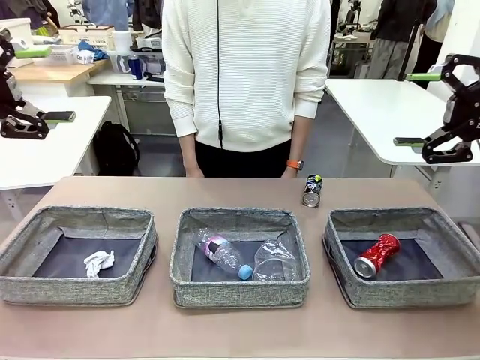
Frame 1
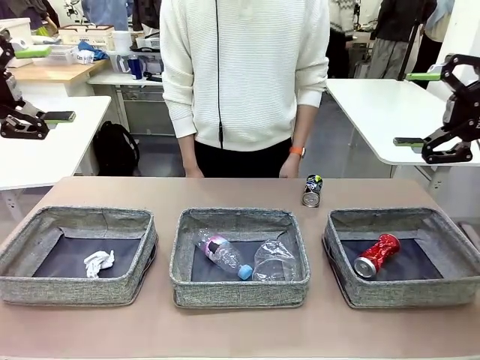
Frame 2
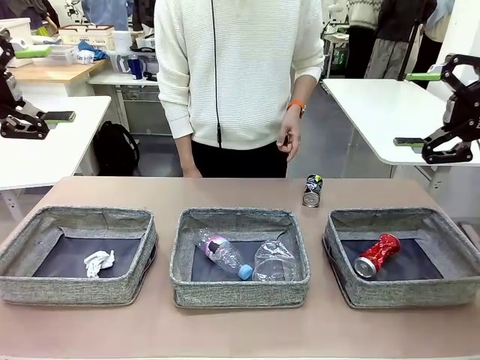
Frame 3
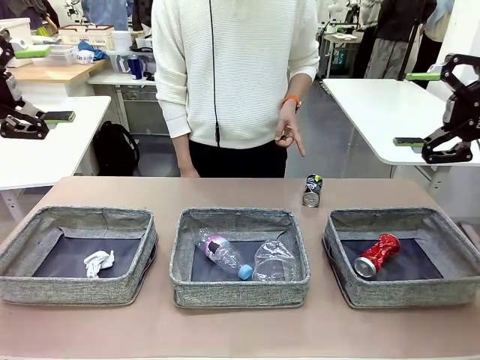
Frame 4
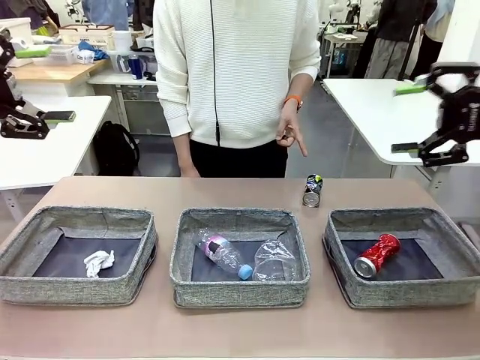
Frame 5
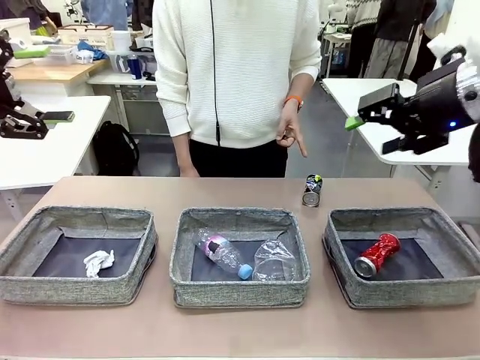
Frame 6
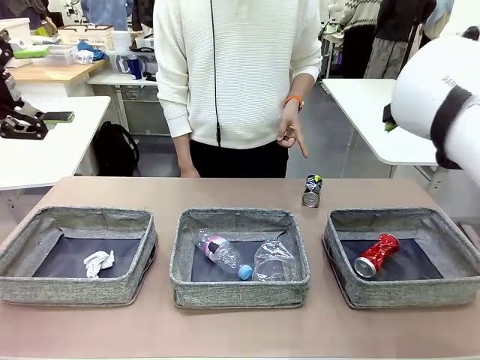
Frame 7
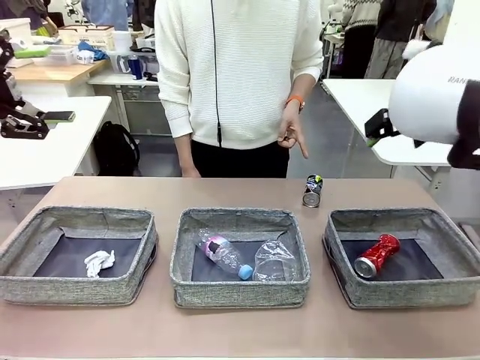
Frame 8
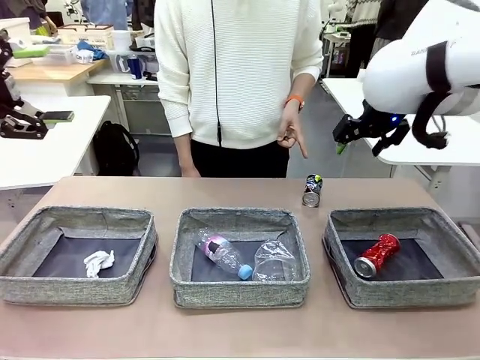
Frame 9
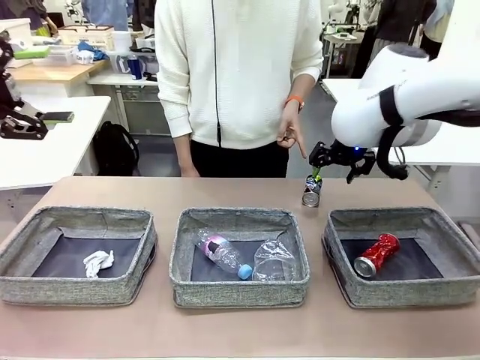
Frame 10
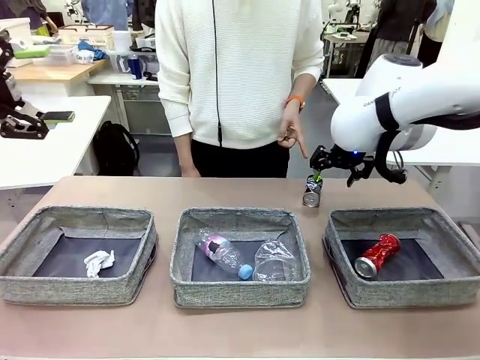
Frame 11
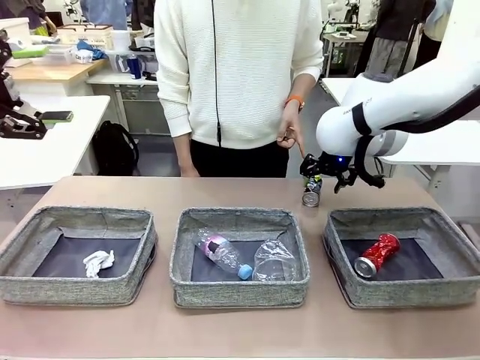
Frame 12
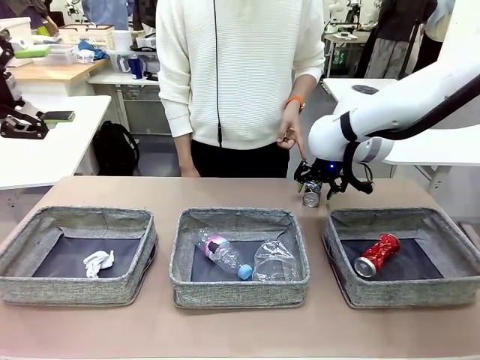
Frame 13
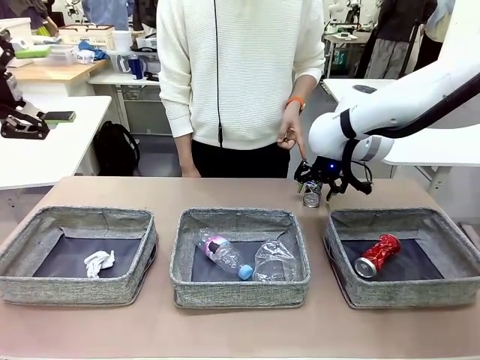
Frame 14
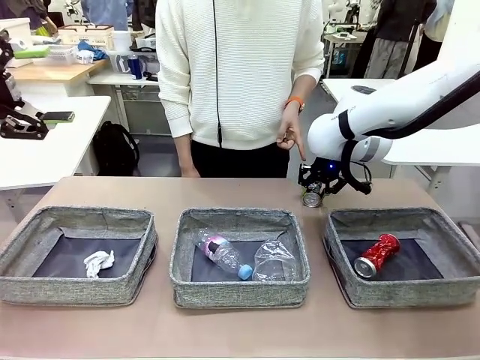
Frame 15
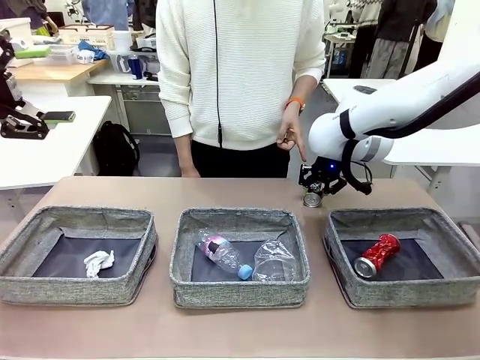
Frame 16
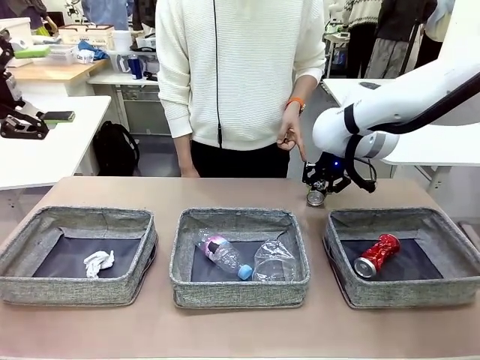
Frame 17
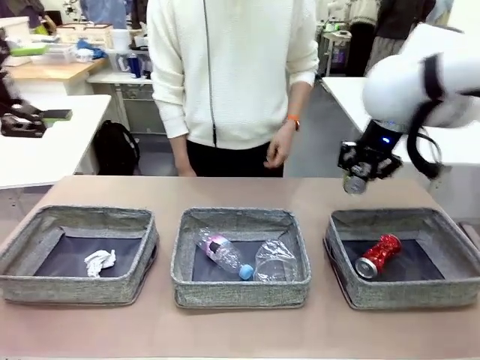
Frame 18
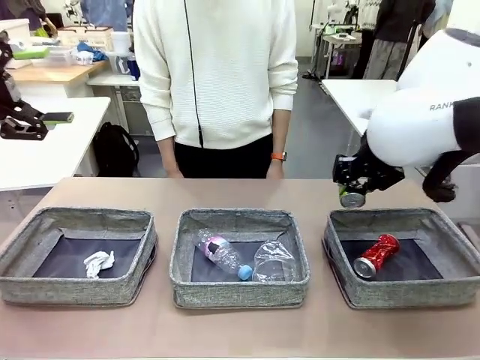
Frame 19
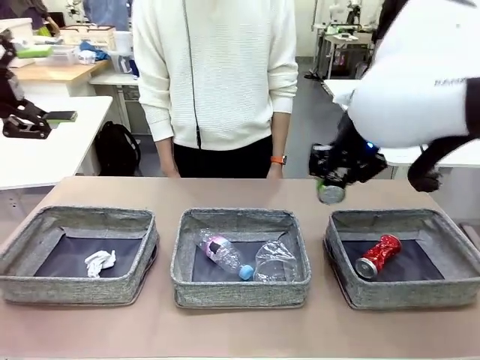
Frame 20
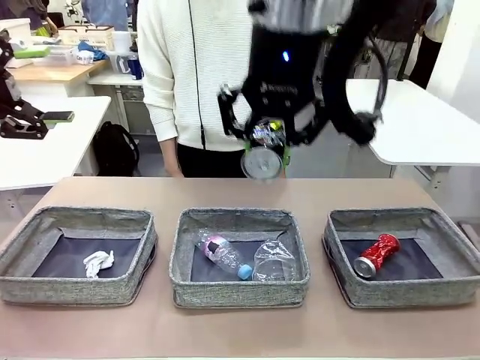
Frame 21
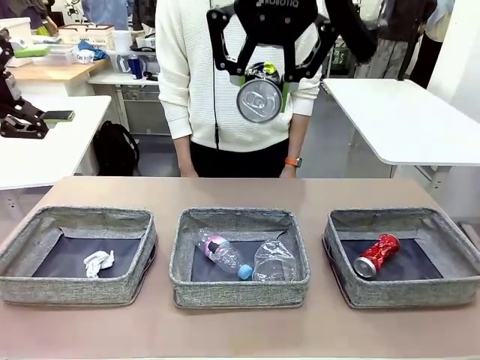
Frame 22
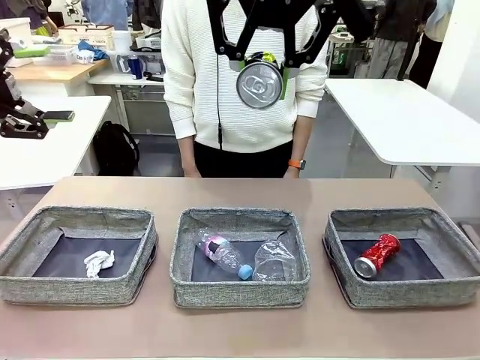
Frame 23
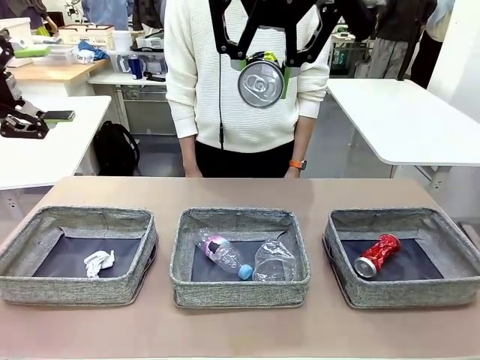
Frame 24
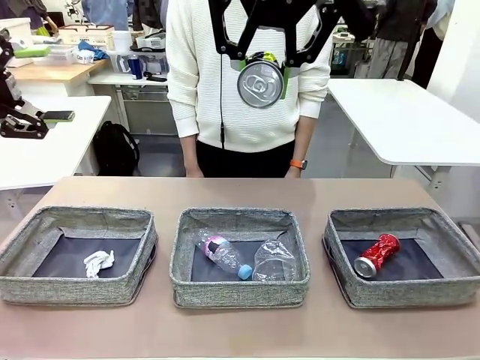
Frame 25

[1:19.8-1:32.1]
Task: Sort the waste into the appropriate baskets.
Robot: Pick up the waste item pointed out by the person.
Person: Points to one piece of trash on the table.

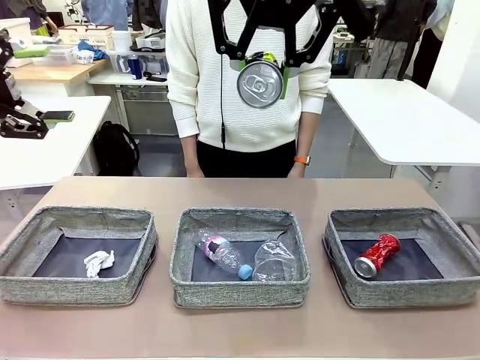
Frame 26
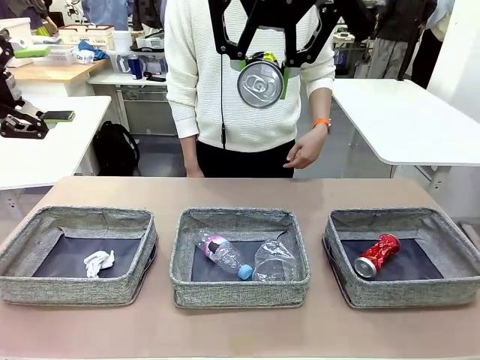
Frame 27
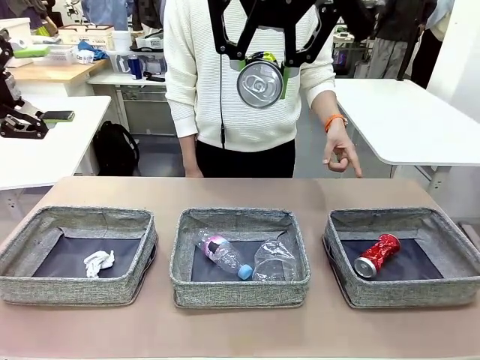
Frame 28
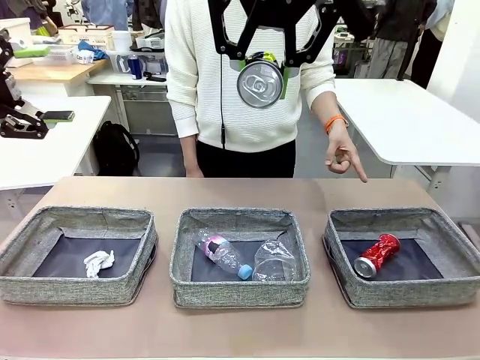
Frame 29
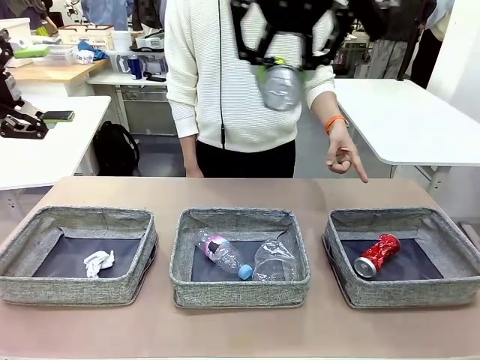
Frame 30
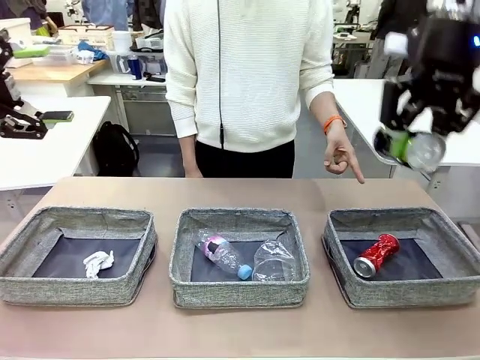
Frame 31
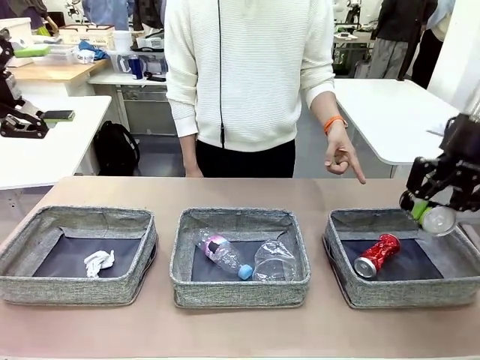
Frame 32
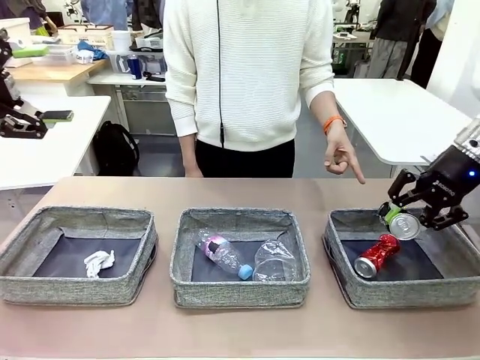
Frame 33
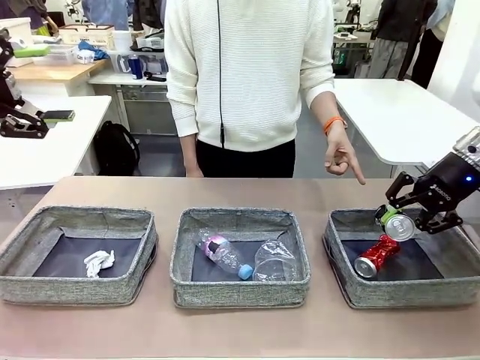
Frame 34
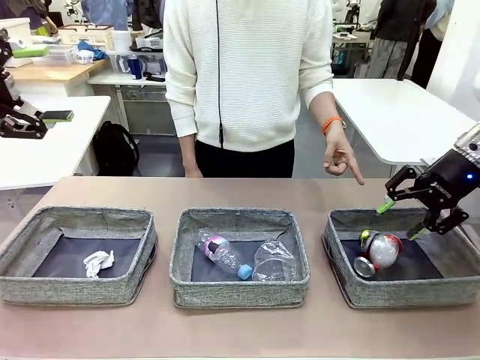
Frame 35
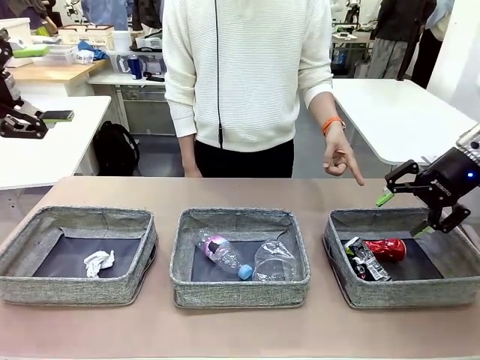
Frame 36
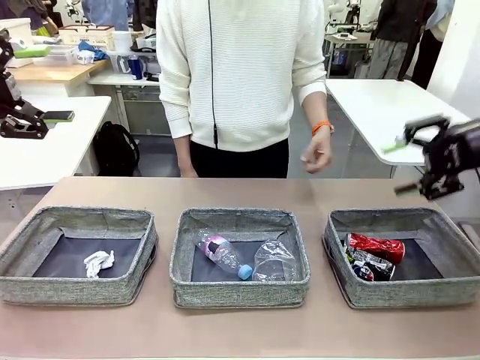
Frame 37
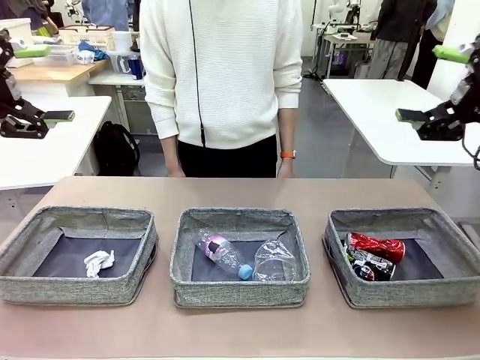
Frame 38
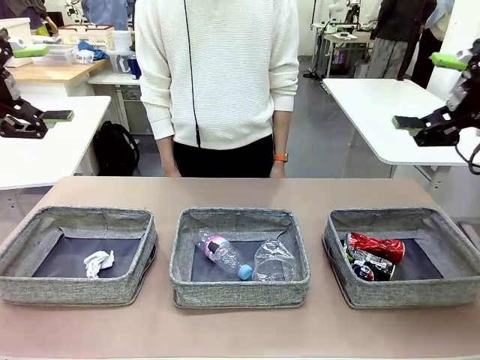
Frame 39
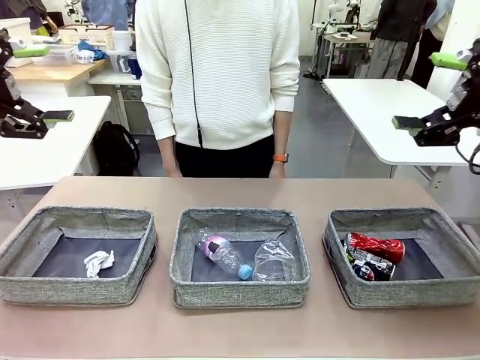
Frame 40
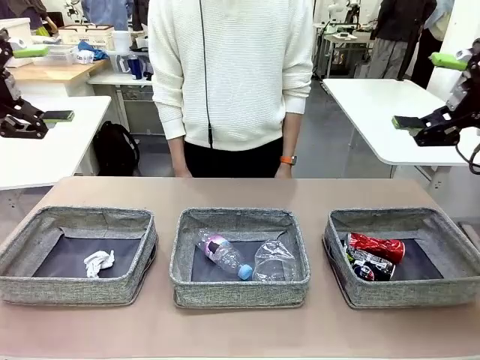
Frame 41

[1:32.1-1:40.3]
Robot: Place the picked waste into the Fabric basket indicated by the person.
Person: Instructs the robot to place the picked-up trash into the appropriate organizing basket.

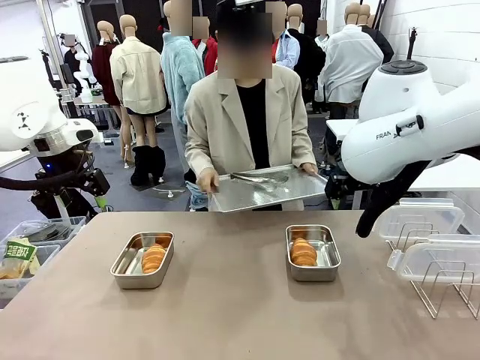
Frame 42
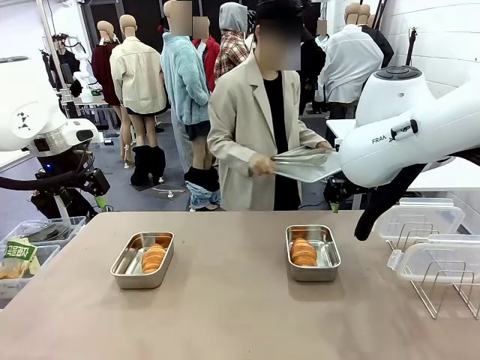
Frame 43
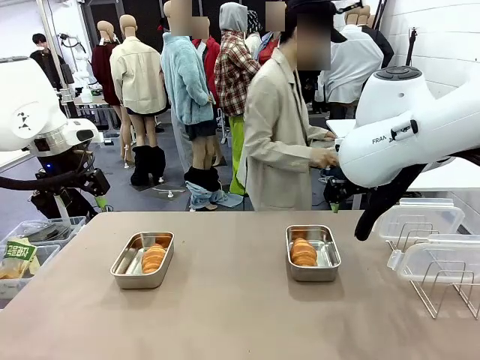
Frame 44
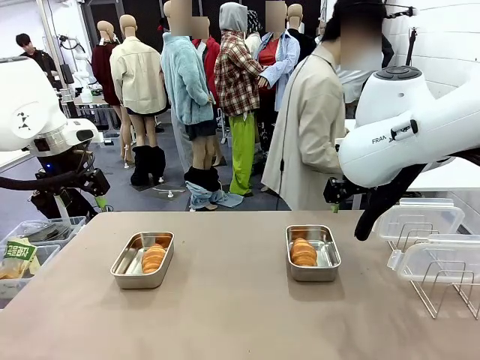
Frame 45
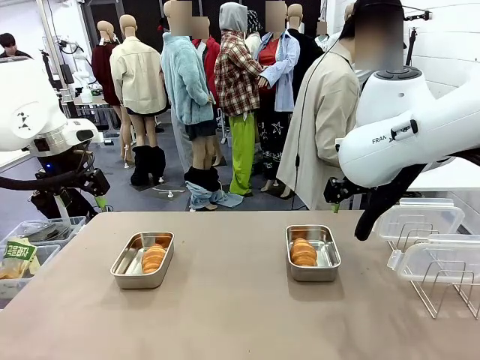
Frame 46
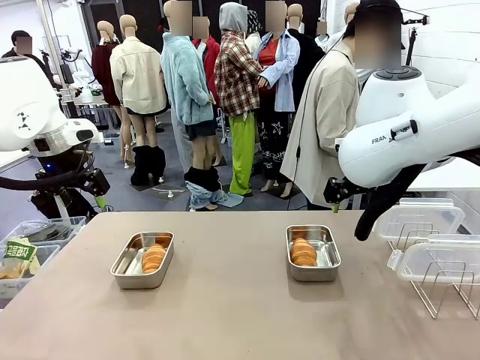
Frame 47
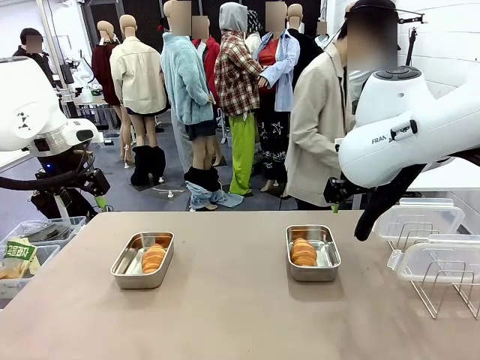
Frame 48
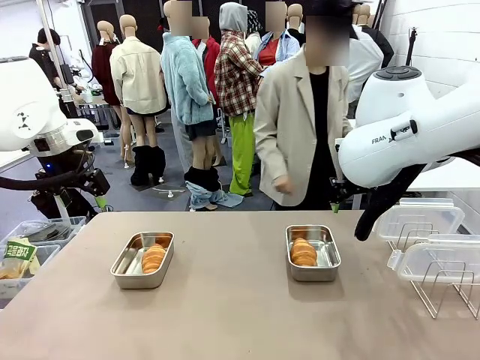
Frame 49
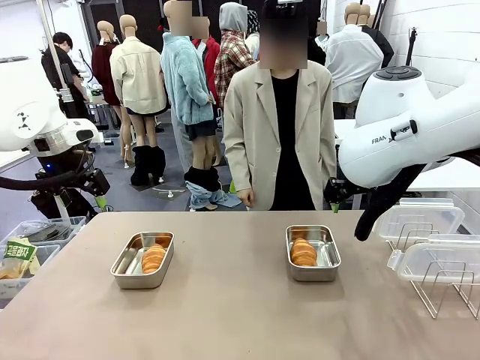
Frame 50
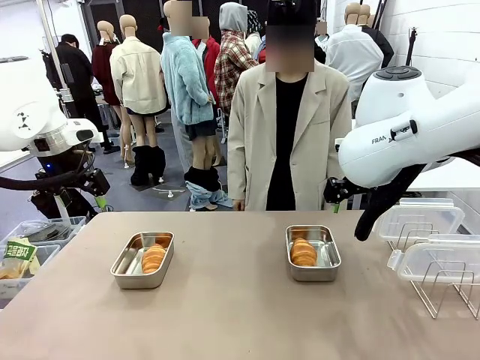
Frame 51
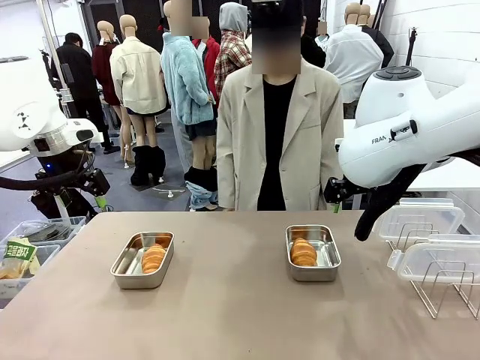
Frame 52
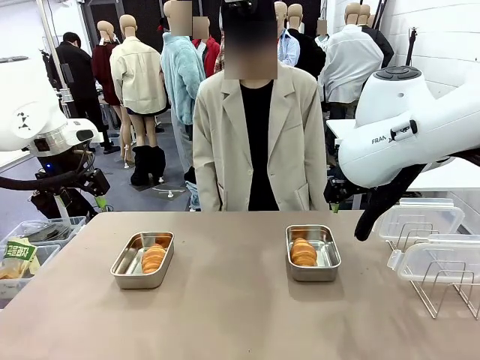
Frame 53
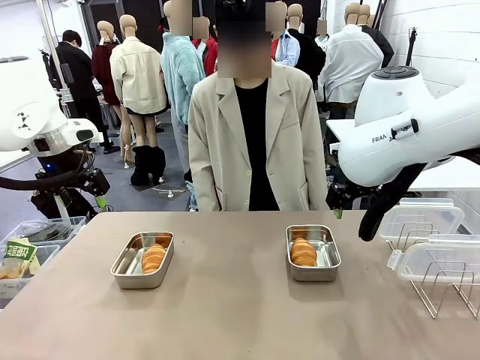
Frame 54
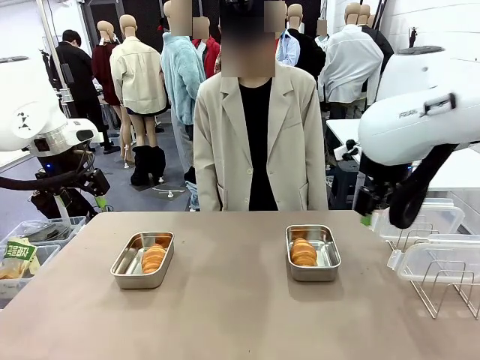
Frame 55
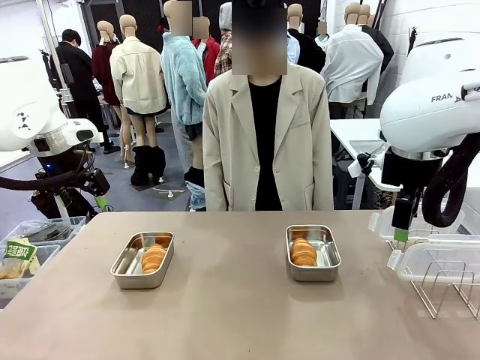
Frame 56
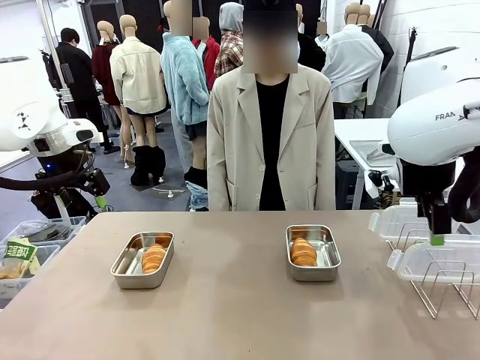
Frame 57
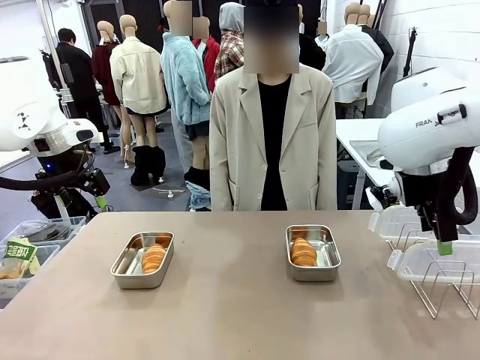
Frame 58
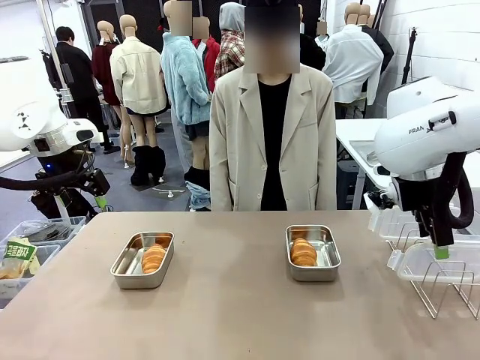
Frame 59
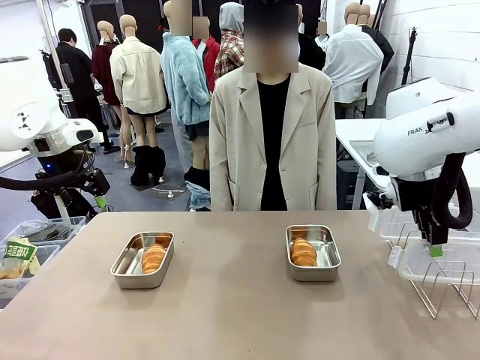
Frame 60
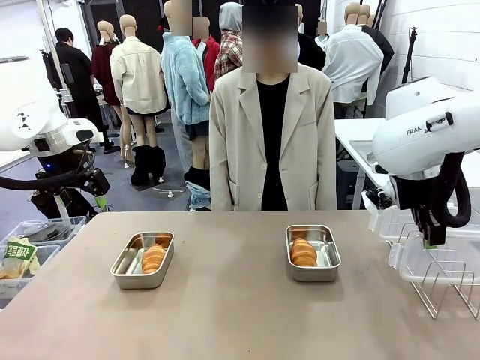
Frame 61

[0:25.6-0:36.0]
Task: Place the bread in airtight containers.
Robot: Pick up one Airtight Container lid and hand it to the human.
Person: Place Baking Sheet on the Human's Table. Grip Airtight Container lid that robot is handing.
